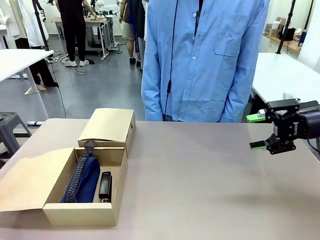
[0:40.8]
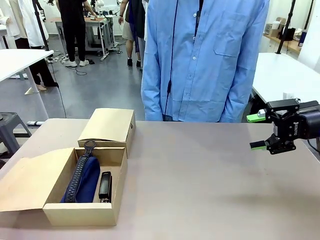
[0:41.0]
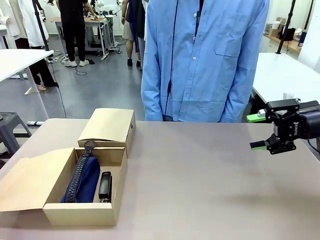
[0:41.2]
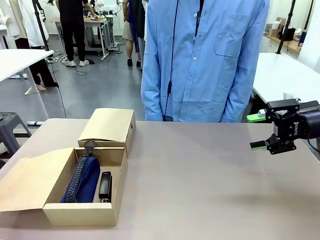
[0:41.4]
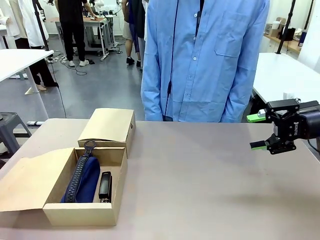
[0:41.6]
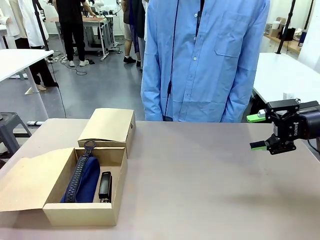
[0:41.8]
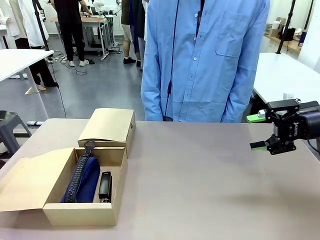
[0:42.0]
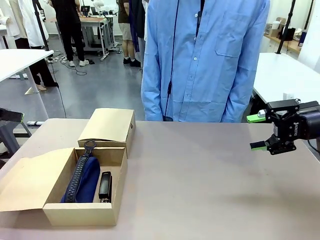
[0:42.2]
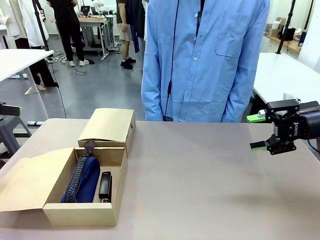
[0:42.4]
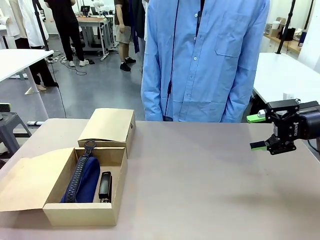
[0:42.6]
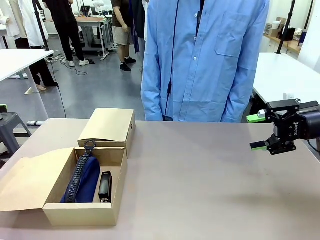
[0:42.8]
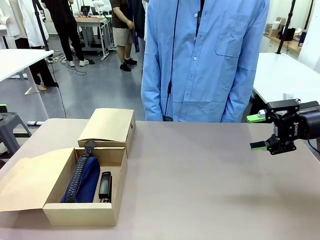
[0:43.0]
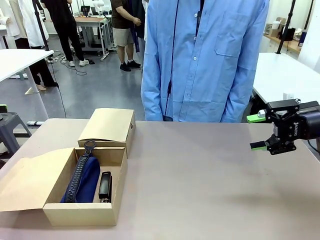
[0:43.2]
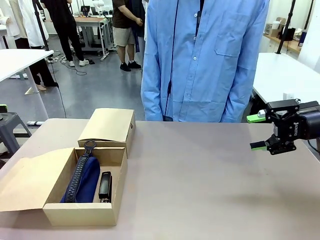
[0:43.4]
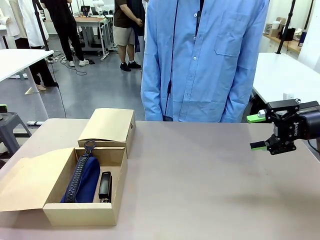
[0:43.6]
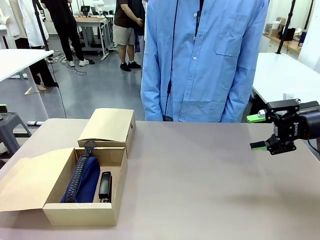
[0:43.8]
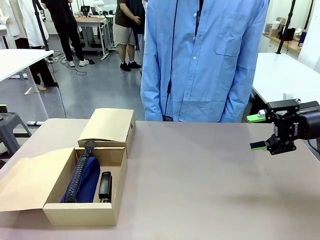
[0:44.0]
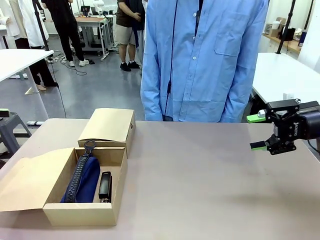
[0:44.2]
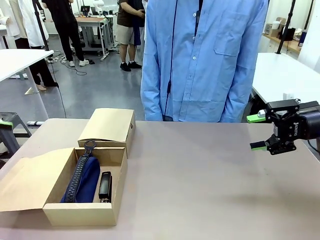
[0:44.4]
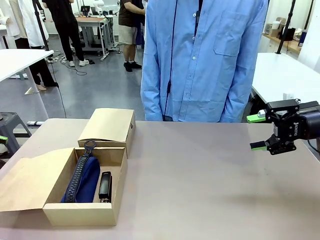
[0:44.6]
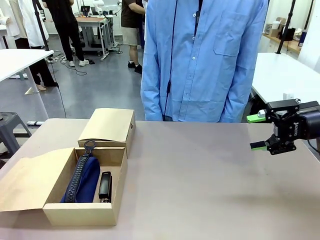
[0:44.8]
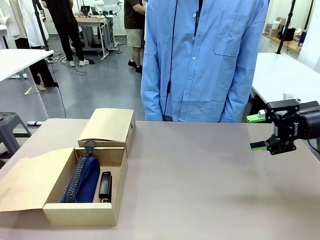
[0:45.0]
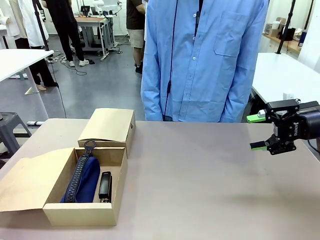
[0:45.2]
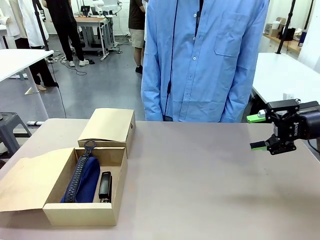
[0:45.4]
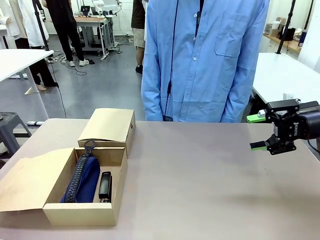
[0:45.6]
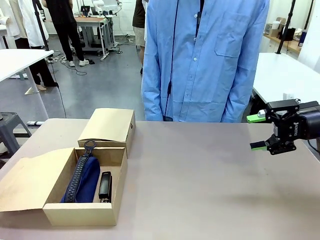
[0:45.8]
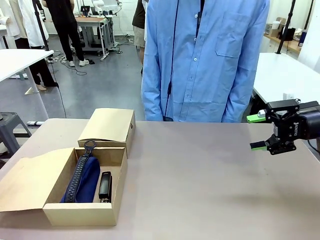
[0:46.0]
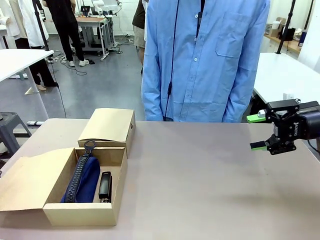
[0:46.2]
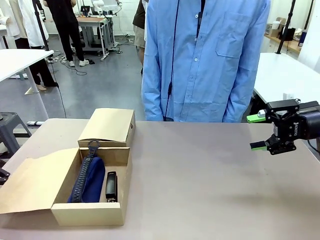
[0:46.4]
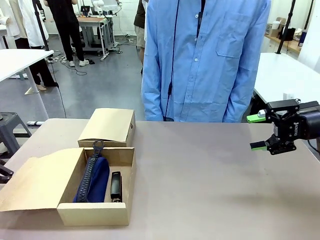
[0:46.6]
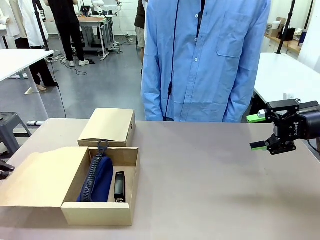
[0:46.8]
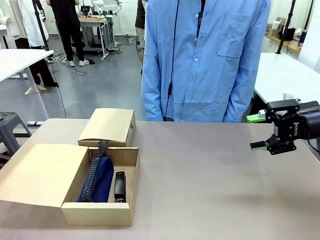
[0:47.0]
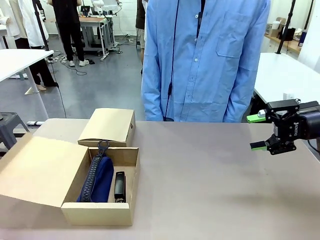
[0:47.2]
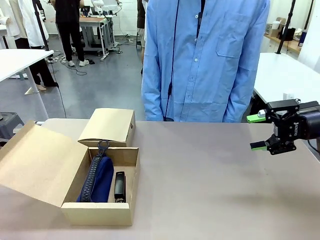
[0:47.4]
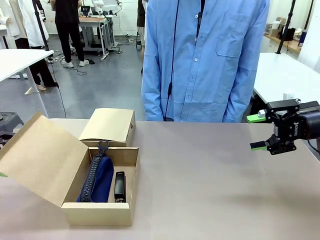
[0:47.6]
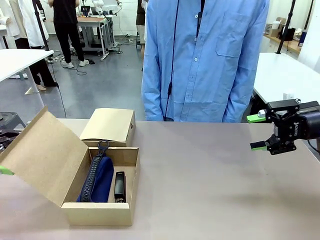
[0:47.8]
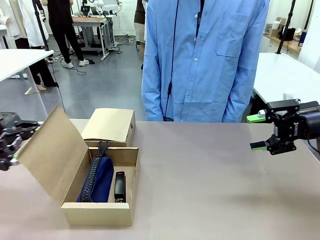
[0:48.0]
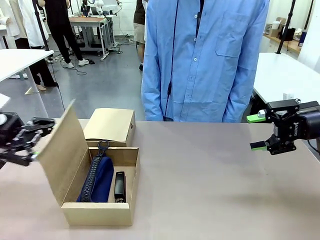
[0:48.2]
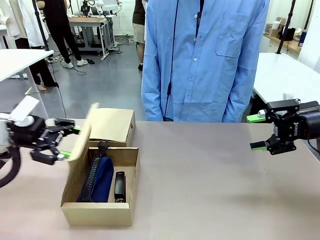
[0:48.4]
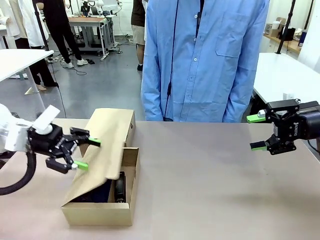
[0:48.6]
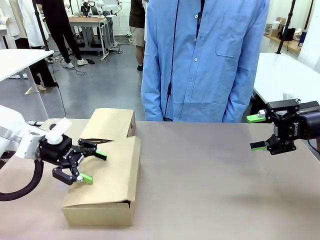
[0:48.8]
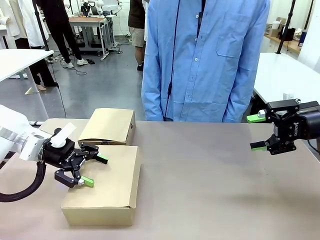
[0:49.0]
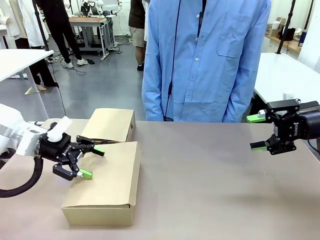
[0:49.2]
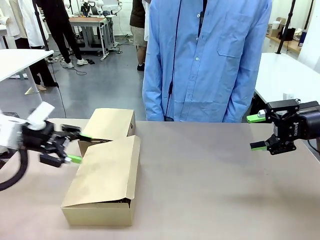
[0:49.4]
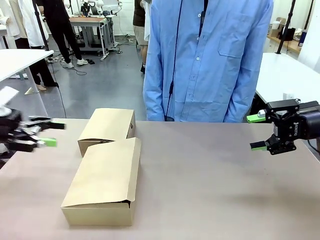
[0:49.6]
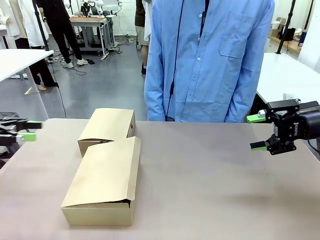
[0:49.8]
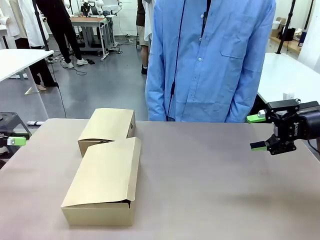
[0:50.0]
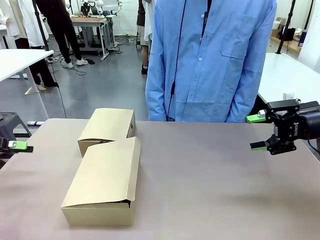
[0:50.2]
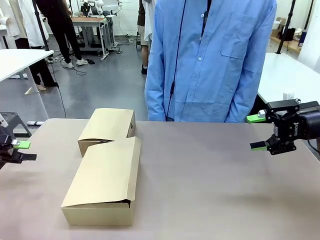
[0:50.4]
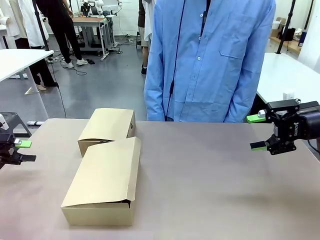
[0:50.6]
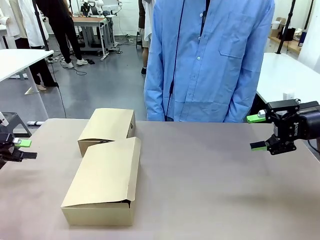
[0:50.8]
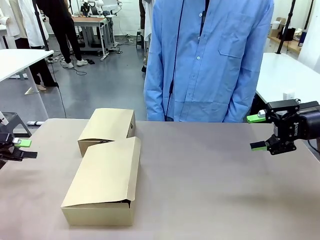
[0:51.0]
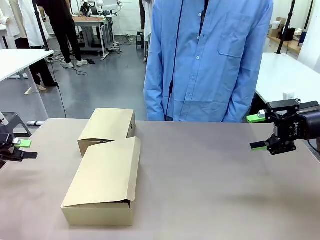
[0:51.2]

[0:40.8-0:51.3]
Task: Place items inside the box.
Robot: Close the lid of the Mailer Box closest to the robot.

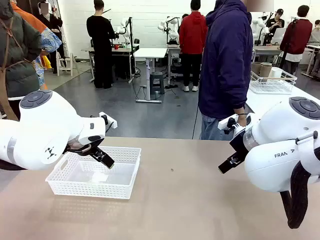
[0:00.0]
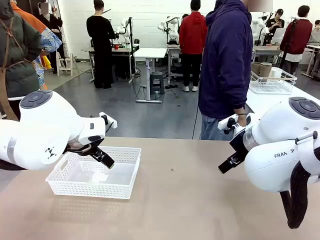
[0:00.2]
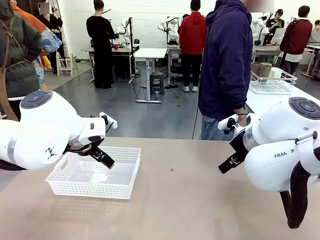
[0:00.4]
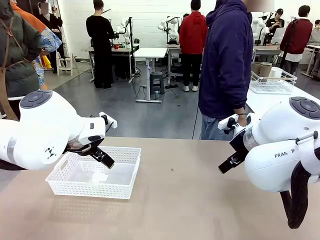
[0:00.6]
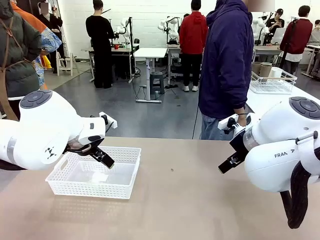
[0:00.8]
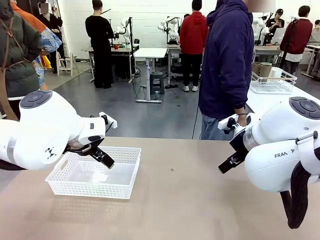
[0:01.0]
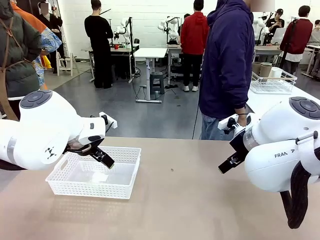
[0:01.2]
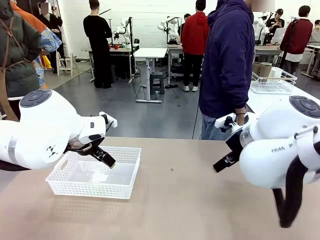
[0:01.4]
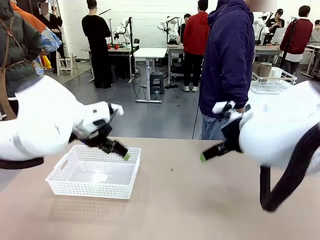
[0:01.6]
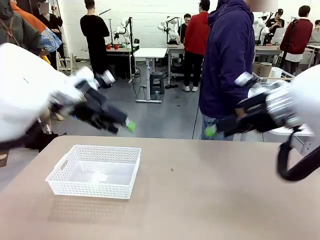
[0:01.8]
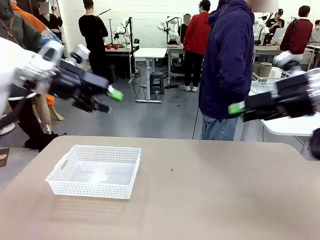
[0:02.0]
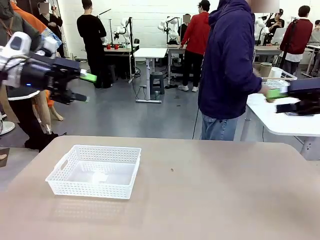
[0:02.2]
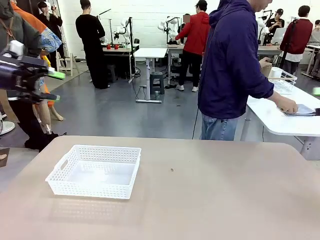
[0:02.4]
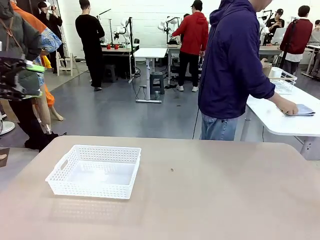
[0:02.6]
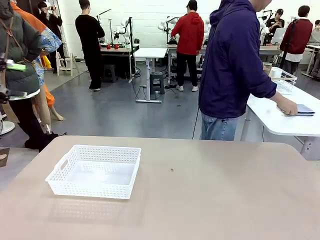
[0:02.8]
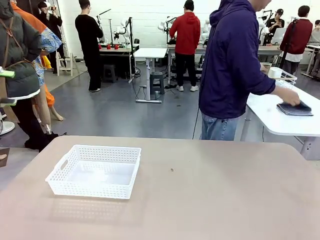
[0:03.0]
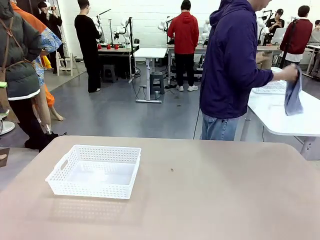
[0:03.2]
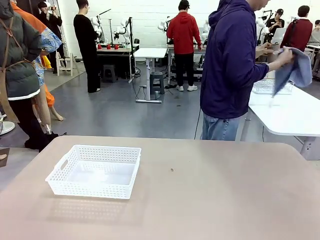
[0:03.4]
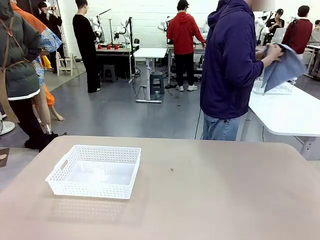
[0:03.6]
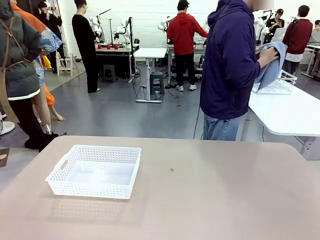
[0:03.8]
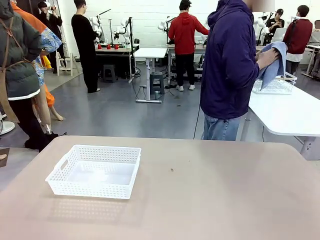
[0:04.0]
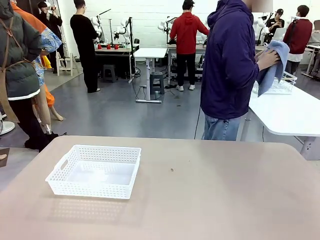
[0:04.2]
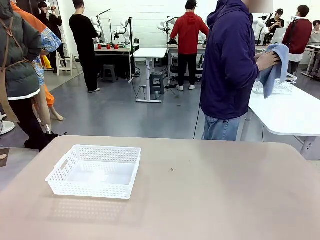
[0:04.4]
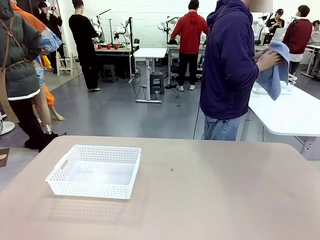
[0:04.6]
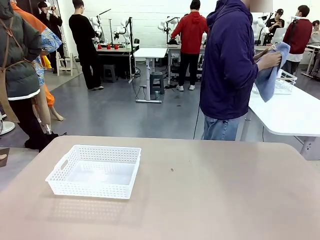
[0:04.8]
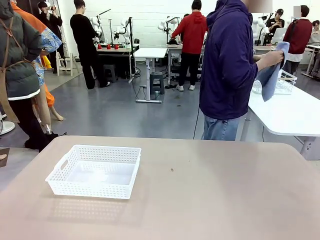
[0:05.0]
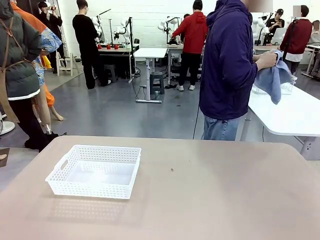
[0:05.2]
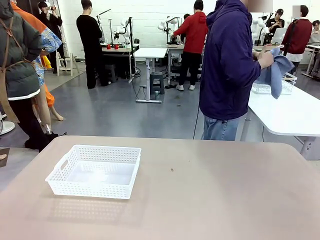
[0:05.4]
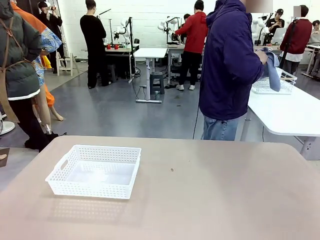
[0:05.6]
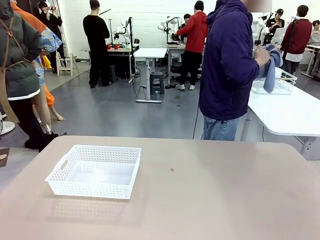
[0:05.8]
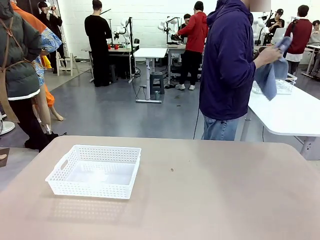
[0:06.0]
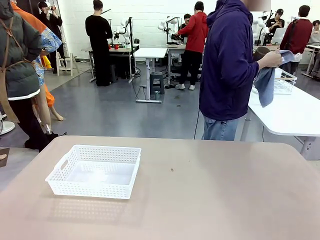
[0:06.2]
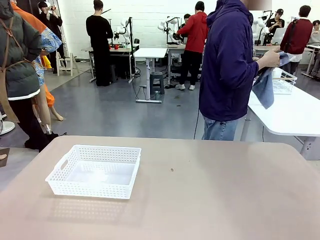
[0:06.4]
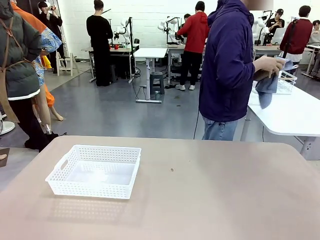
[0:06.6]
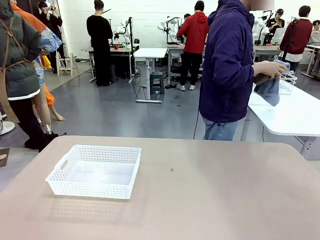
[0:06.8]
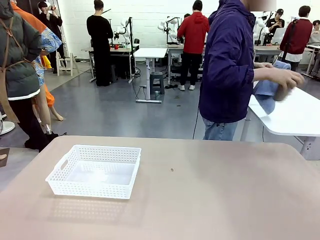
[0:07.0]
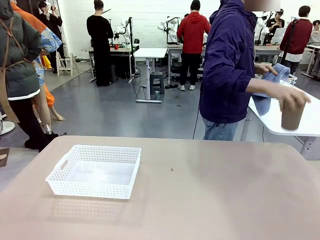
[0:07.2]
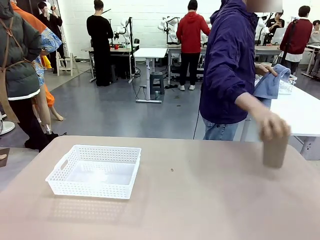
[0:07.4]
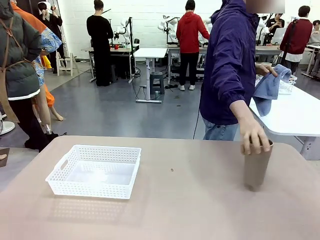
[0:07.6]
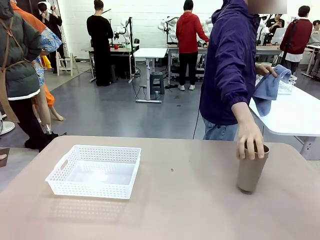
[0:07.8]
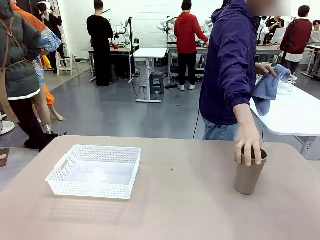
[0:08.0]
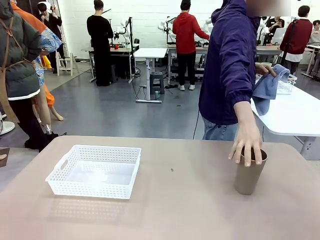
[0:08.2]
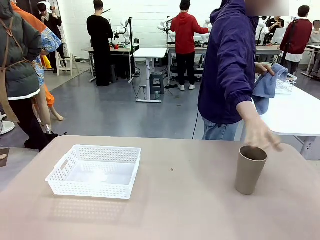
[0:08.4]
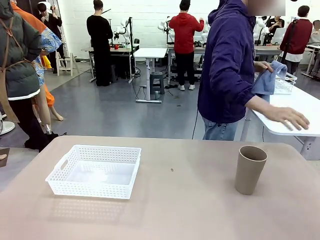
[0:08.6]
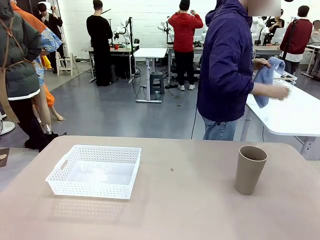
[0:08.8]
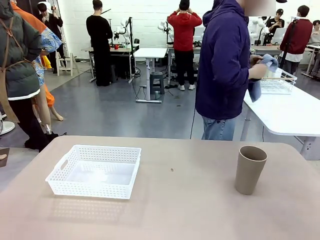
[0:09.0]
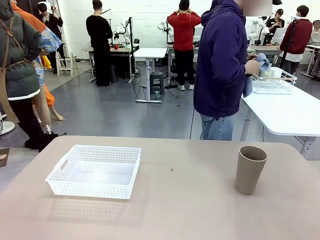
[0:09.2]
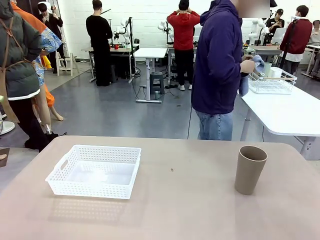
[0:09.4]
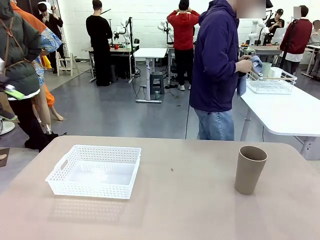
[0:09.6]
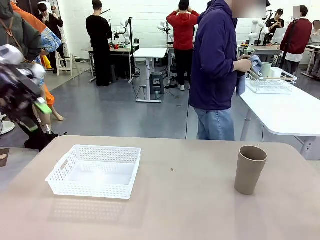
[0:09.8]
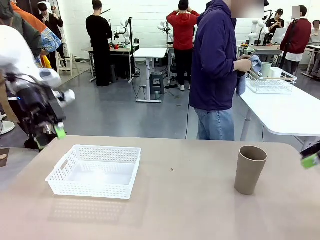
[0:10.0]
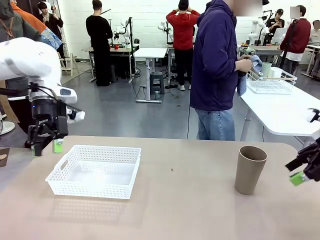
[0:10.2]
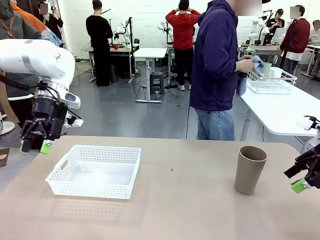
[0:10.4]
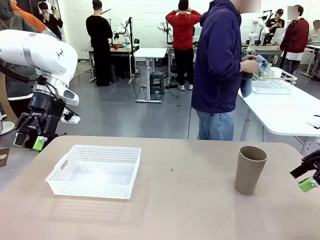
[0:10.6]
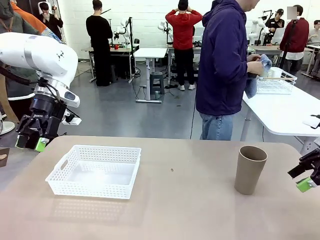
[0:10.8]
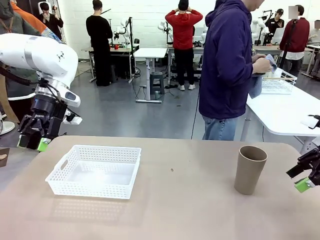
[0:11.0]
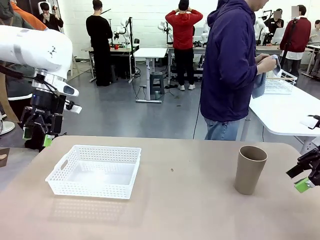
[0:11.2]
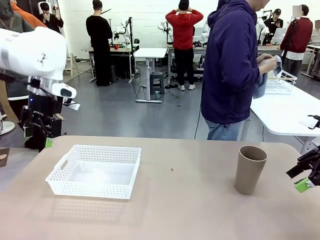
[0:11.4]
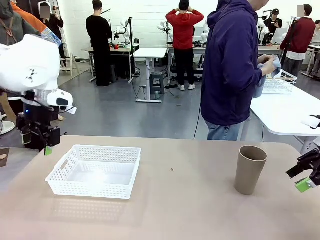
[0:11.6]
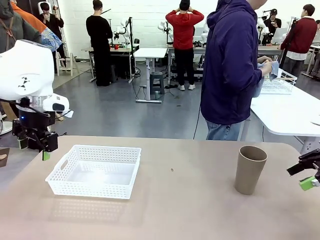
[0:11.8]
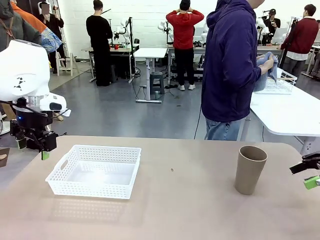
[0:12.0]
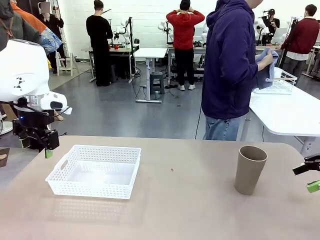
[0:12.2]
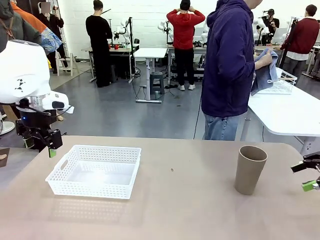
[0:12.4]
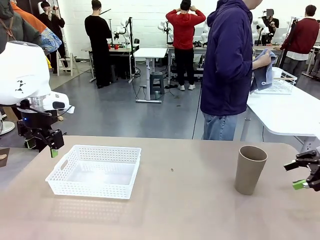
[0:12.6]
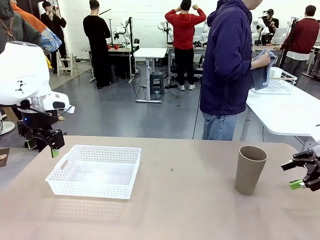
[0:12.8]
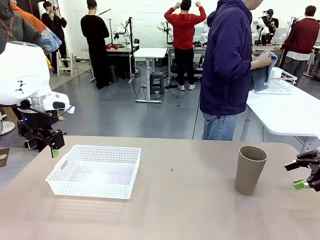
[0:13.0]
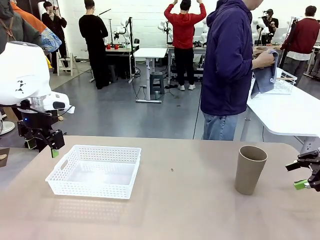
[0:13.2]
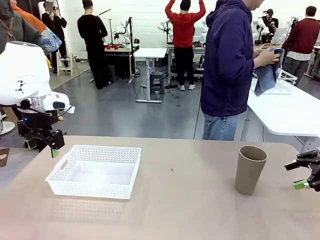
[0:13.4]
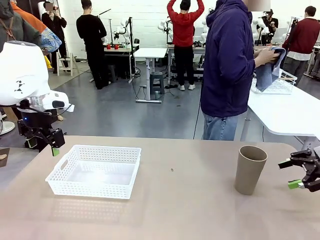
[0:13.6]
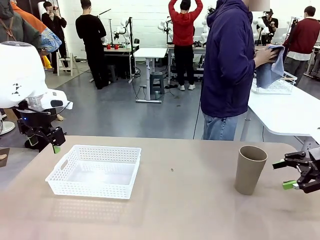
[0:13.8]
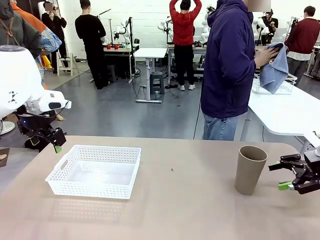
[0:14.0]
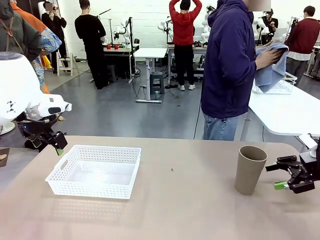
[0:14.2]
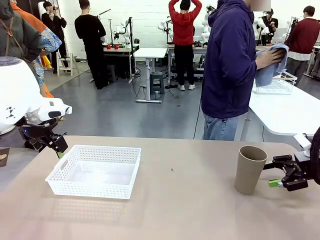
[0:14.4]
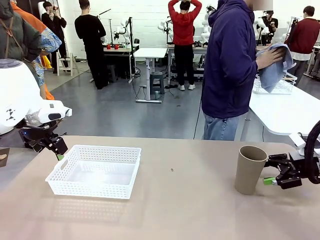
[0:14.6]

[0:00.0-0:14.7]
Task: Clean and organize the cups into the basket.
Robot: Pick up the Organizing basket and move it to the center of the table, then pick up the Reusable plastic cup from the right side of the table and place it inside the Organizing basket.
Person: Picks up a cup and a towel, cleans the cup with the towel, and places it on the left side of the robot table.
